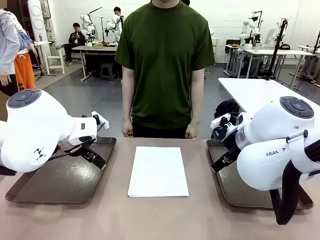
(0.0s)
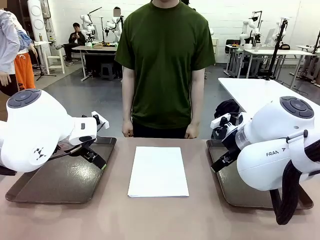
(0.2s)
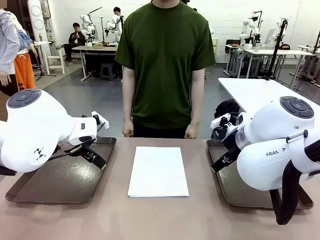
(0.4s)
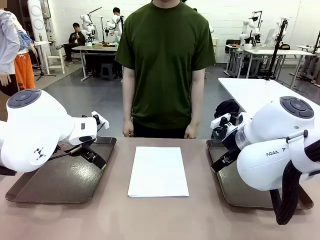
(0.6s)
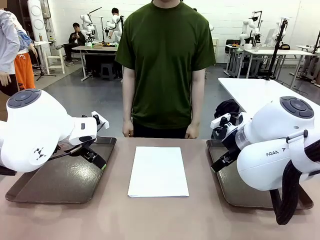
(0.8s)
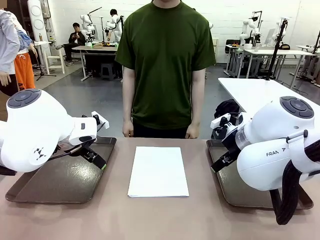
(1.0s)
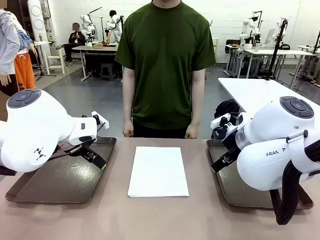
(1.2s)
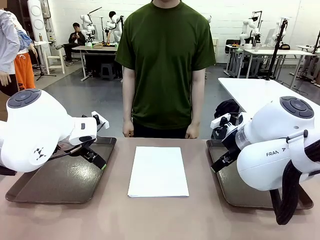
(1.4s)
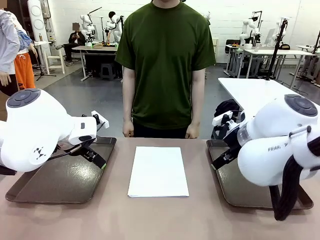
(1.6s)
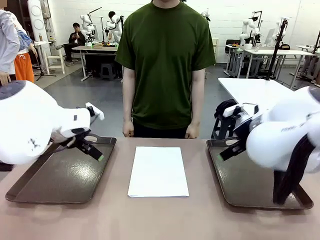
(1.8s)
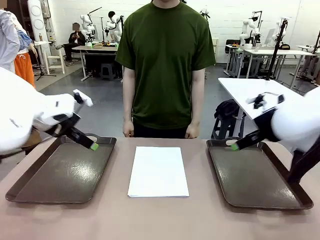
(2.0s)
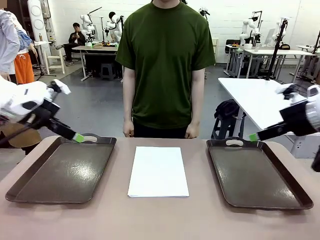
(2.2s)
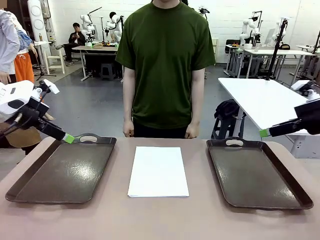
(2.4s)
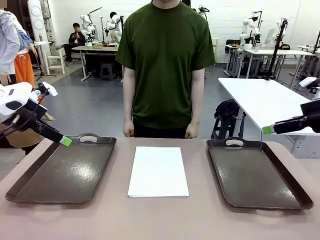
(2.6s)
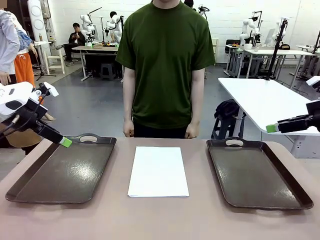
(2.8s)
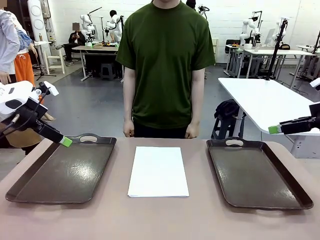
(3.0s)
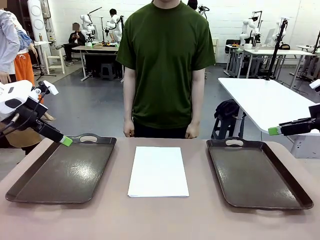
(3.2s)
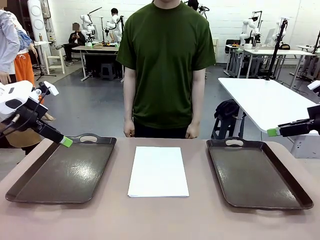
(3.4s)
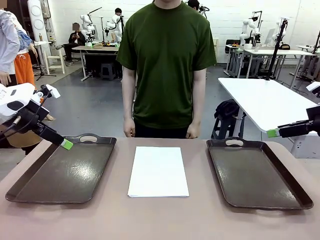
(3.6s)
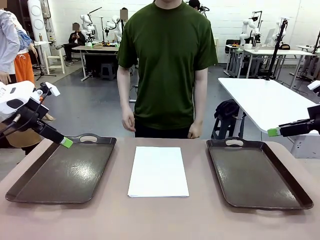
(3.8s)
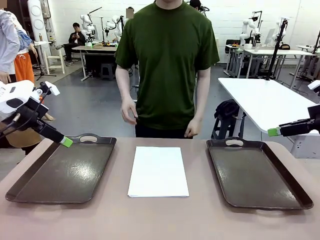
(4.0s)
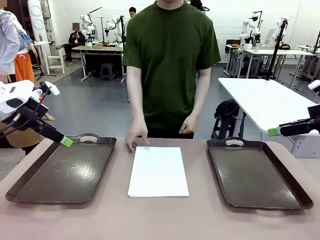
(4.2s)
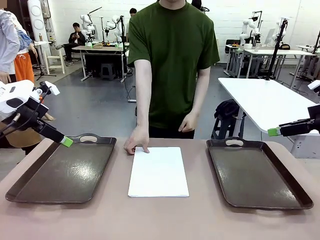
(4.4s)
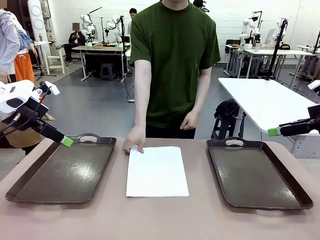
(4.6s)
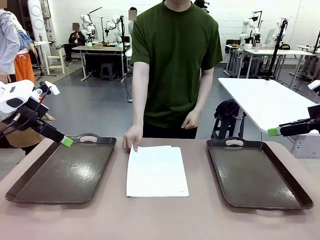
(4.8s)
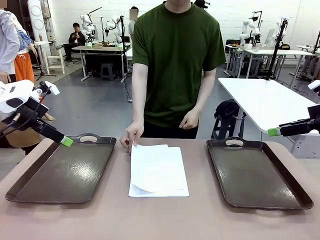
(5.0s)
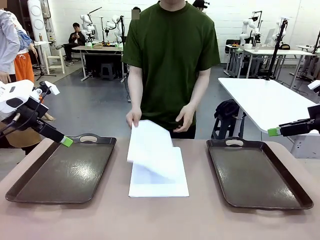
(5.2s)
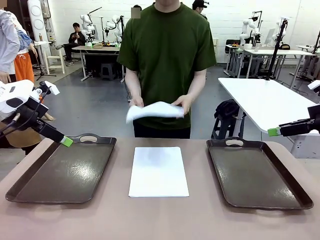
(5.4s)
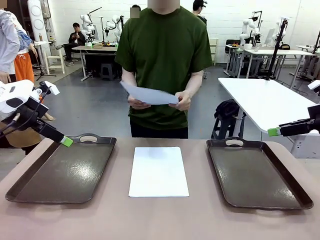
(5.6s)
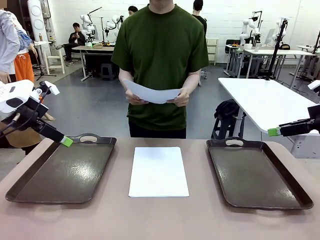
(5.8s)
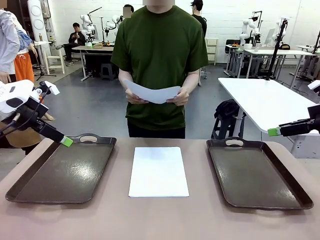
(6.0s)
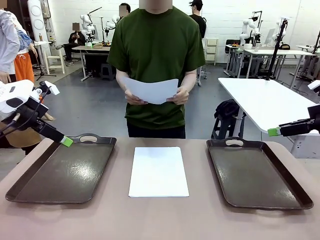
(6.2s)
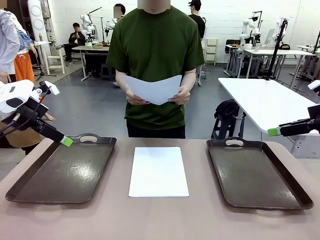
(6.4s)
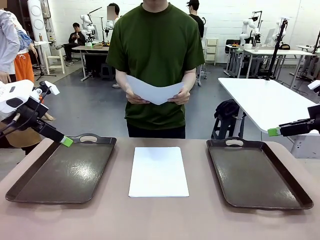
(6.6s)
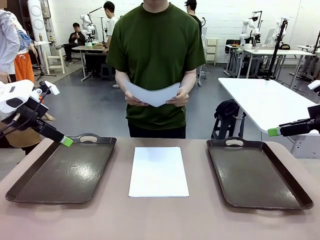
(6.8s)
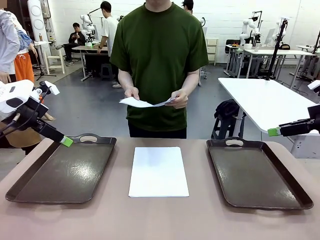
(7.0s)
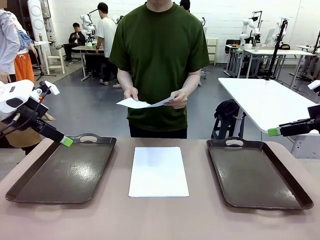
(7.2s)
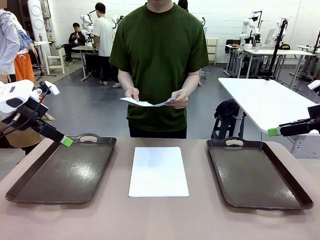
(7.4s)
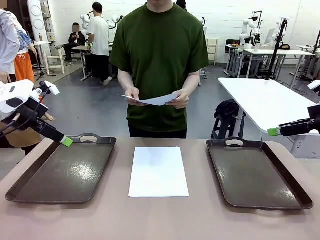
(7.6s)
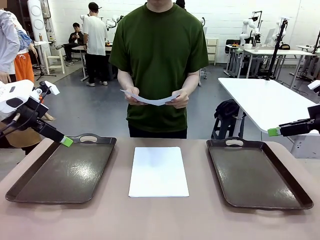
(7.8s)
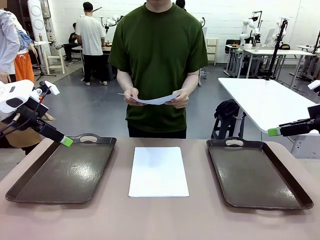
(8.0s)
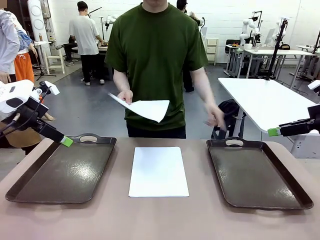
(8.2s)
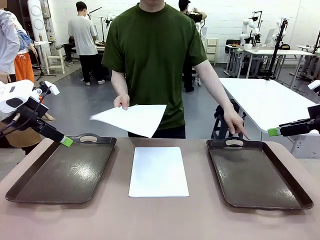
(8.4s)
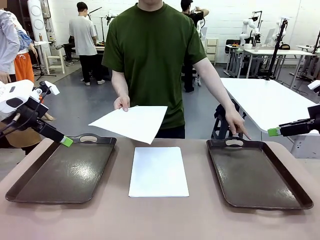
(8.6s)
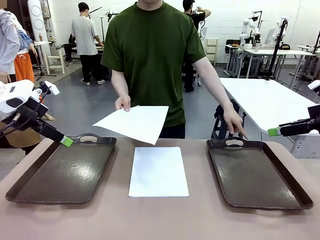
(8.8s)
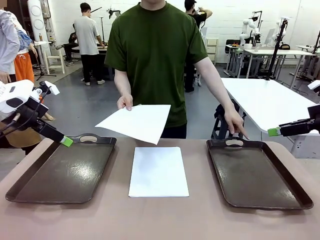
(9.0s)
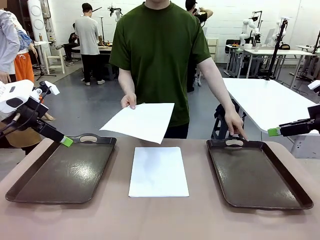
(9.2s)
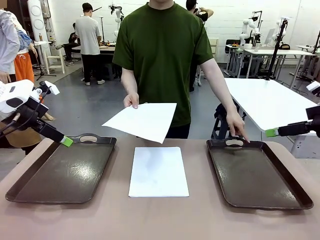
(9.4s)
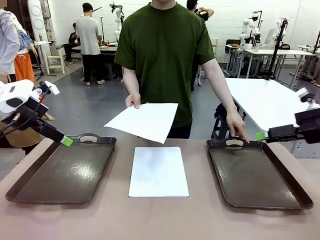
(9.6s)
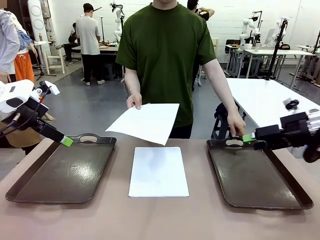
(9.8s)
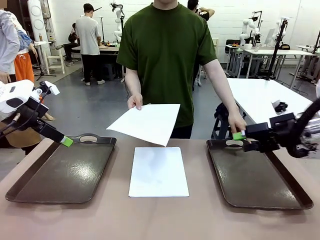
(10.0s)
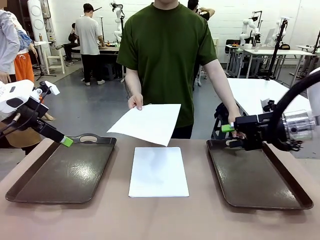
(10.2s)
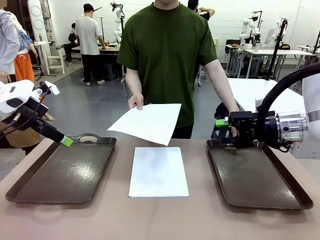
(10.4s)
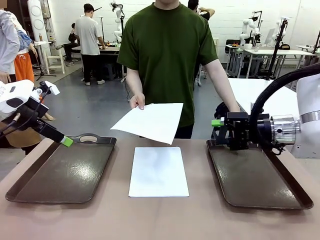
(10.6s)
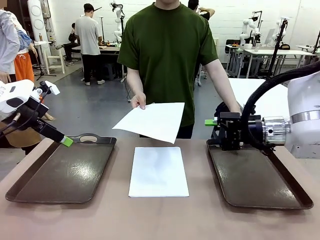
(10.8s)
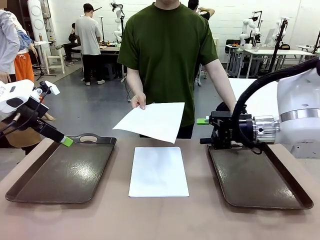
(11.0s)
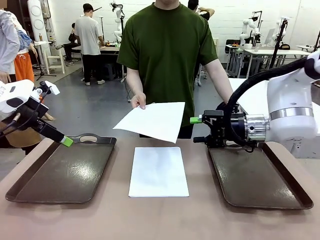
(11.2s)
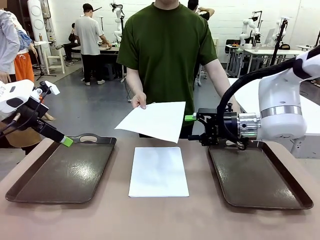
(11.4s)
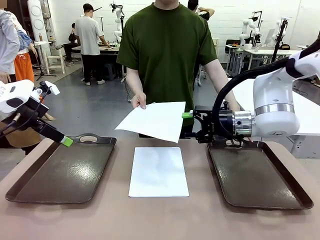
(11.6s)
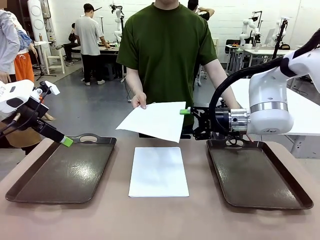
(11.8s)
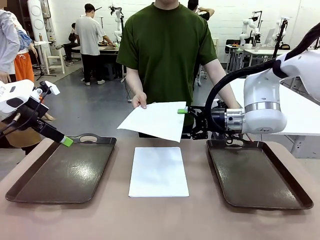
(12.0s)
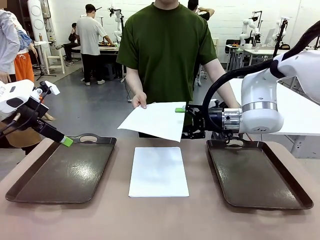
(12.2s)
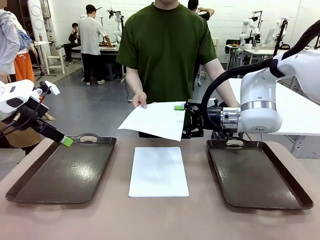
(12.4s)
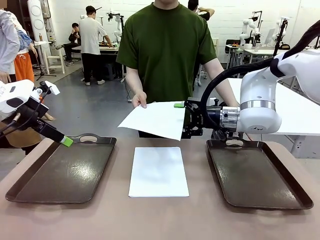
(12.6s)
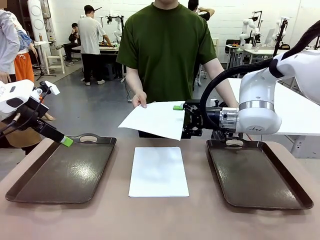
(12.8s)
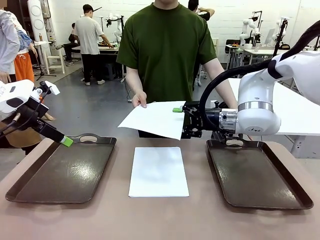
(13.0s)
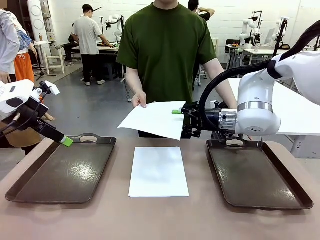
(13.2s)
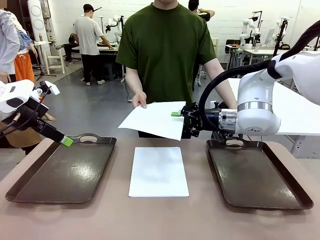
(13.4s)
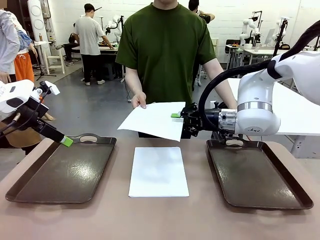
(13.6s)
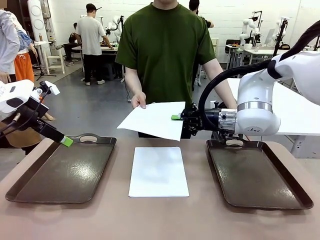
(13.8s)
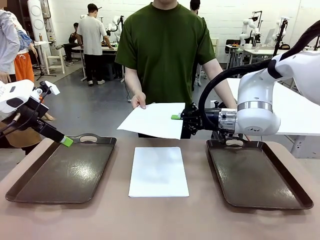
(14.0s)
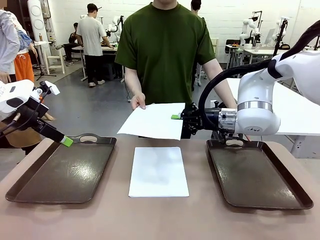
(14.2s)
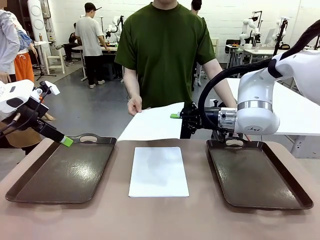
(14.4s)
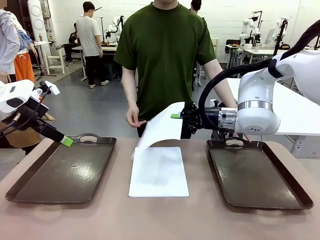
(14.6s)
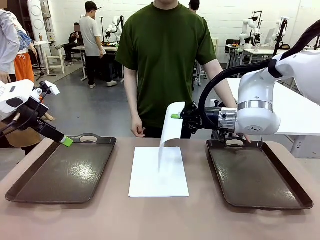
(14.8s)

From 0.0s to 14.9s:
Task: Sort the A4 documents.
Robot: Receive the A4 Paper.
Person: Pick up a sheet of paper from the center of the table and hand it to the robot. Point the randomly selected tray with the other hand.

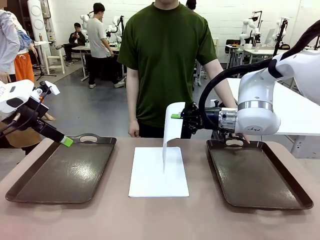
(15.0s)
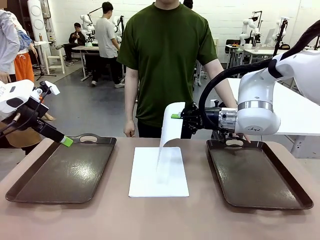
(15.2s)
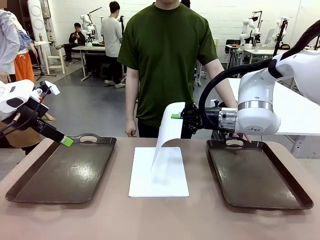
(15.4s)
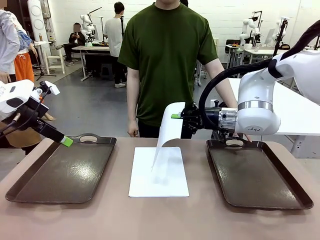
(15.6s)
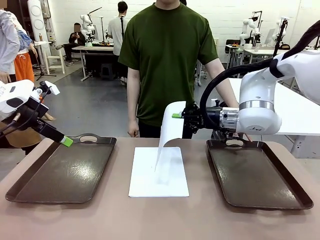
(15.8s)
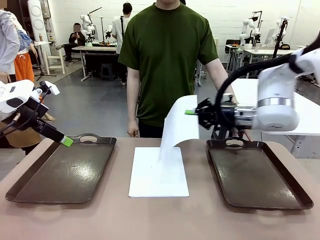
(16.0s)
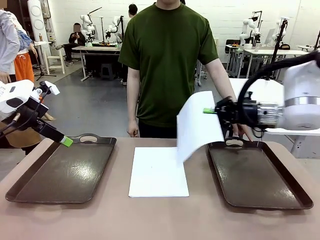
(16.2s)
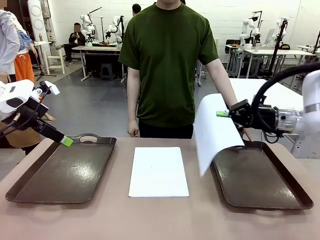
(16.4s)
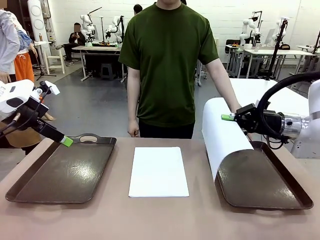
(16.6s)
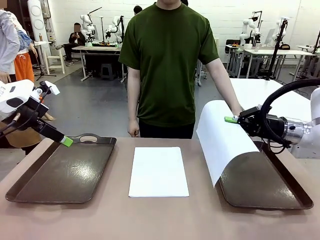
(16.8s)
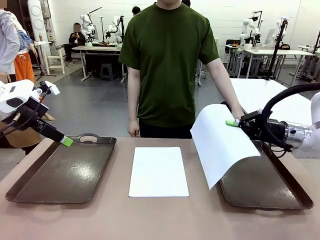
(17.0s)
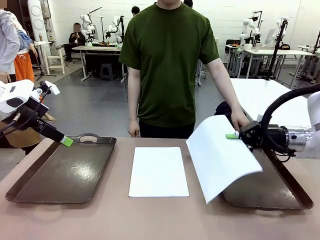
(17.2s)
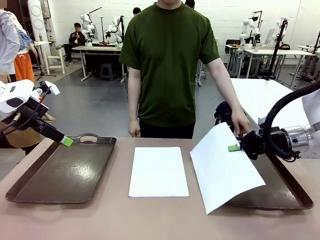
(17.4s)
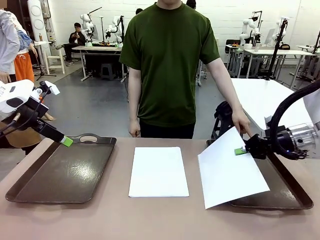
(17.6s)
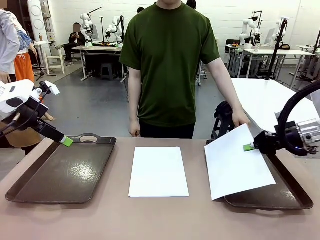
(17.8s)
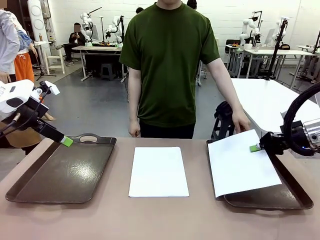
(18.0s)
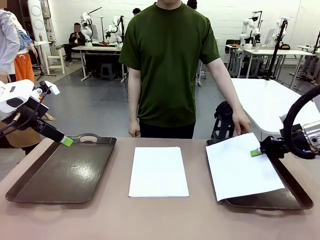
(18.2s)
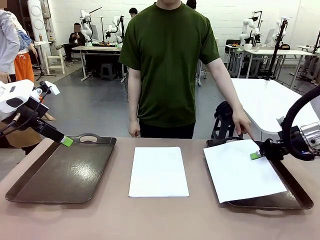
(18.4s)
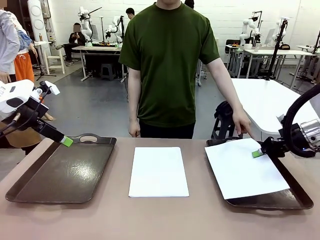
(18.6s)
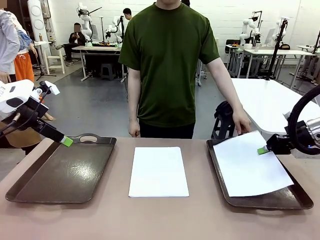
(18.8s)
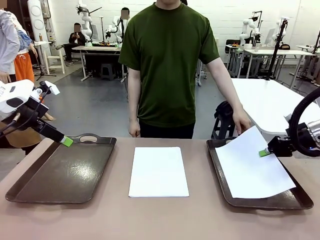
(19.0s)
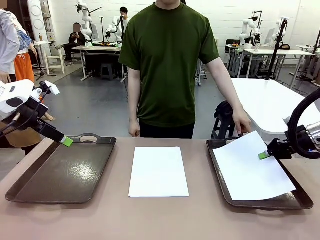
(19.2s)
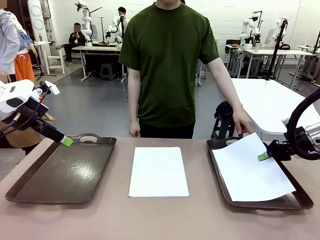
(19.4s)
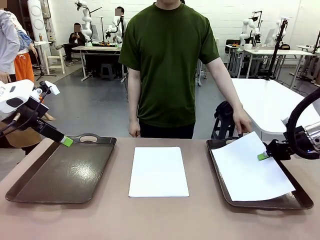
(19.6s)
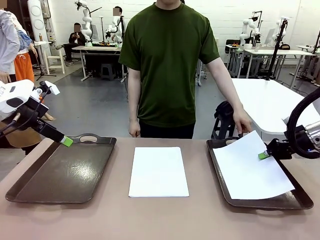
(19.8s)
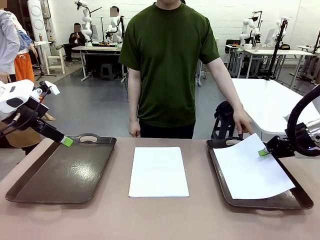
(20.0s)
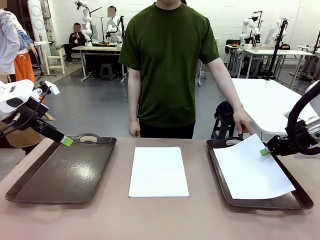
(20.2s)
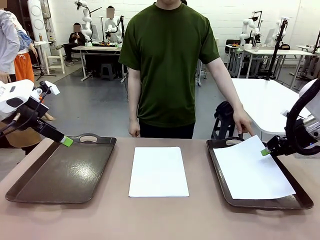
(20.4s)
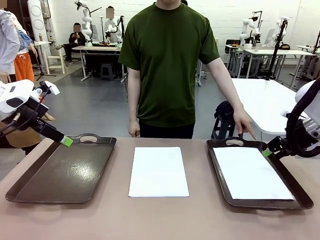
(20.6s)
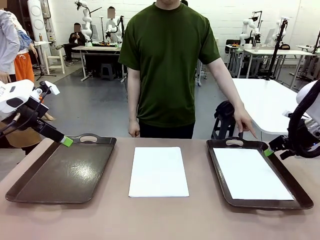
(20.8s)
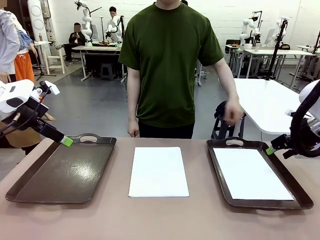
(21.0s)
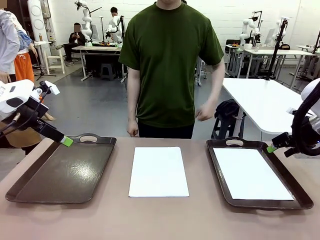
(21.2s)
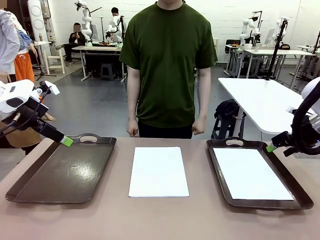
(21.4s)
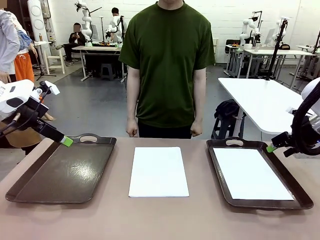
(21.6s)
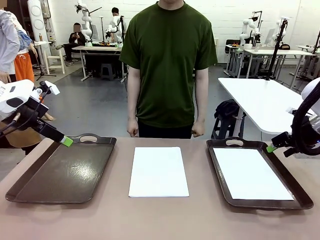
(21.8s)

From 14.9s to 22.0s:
Robot: Place the A4 Paper in the designated Handle tray.
